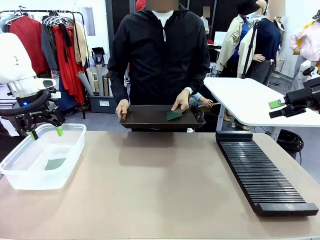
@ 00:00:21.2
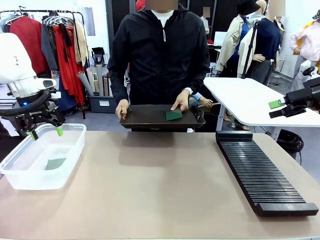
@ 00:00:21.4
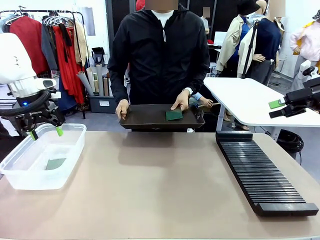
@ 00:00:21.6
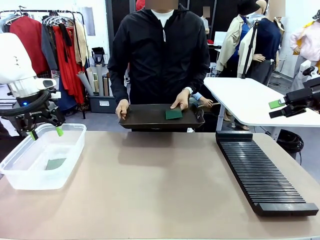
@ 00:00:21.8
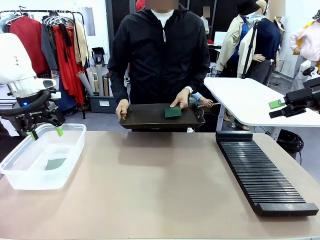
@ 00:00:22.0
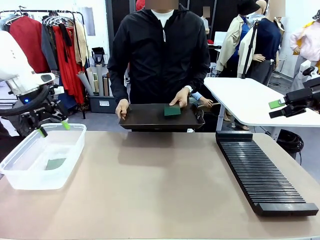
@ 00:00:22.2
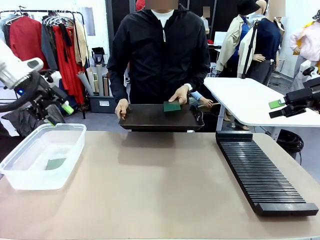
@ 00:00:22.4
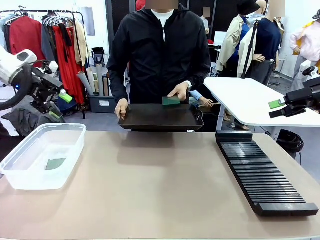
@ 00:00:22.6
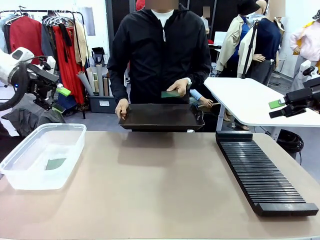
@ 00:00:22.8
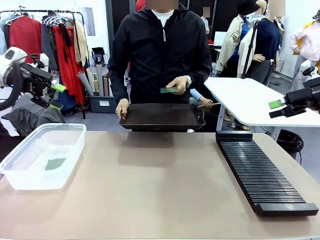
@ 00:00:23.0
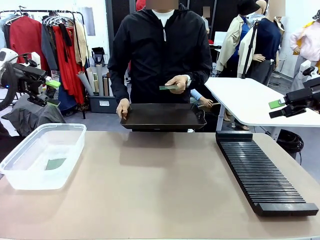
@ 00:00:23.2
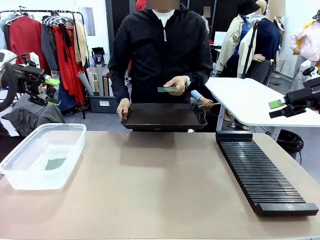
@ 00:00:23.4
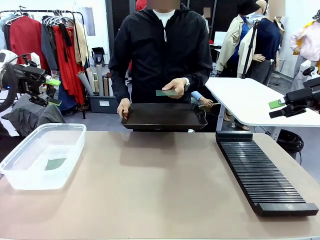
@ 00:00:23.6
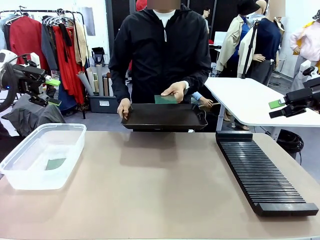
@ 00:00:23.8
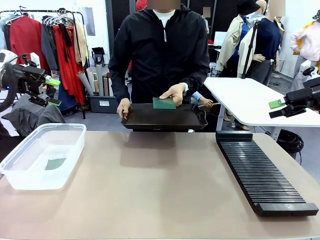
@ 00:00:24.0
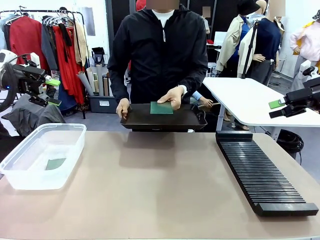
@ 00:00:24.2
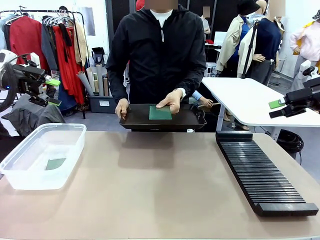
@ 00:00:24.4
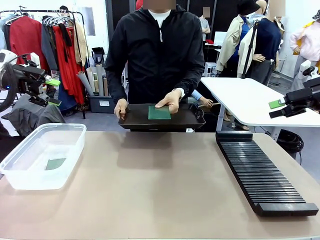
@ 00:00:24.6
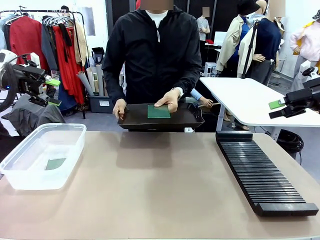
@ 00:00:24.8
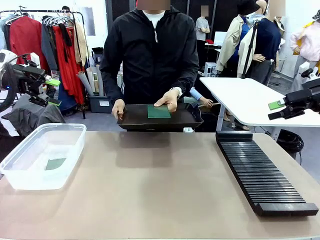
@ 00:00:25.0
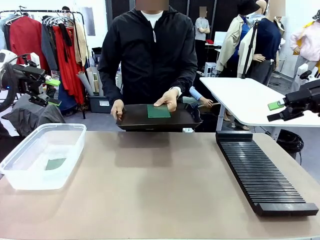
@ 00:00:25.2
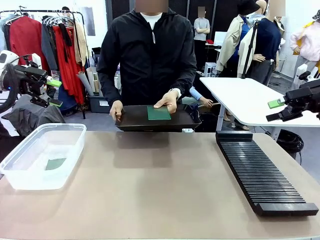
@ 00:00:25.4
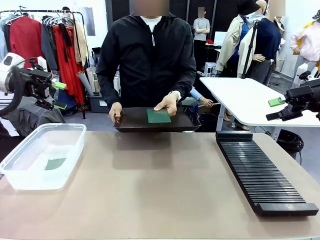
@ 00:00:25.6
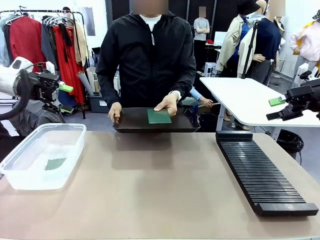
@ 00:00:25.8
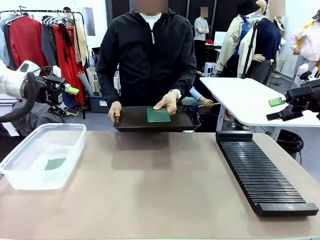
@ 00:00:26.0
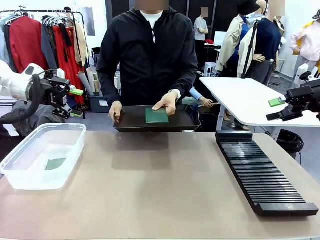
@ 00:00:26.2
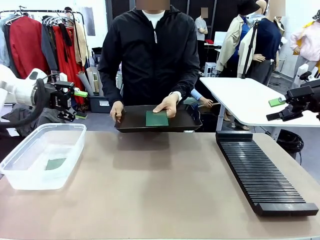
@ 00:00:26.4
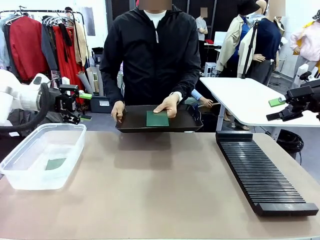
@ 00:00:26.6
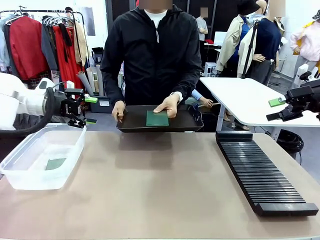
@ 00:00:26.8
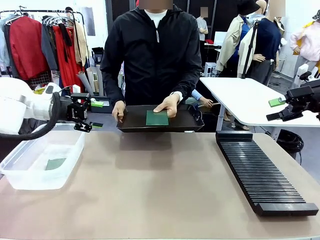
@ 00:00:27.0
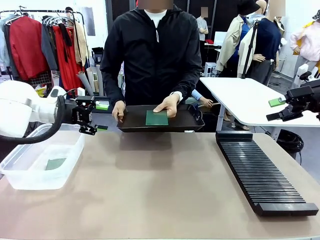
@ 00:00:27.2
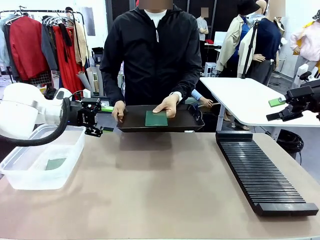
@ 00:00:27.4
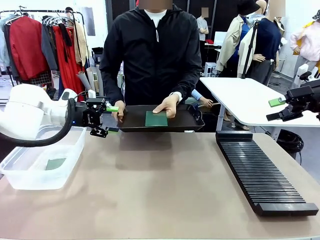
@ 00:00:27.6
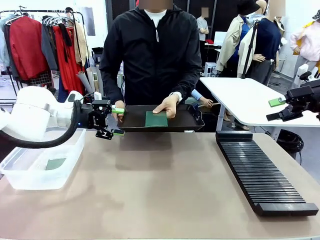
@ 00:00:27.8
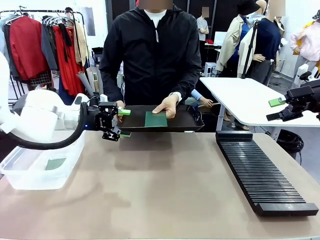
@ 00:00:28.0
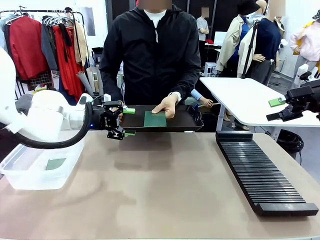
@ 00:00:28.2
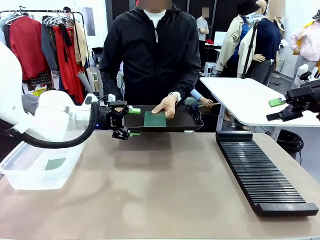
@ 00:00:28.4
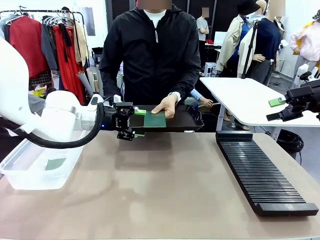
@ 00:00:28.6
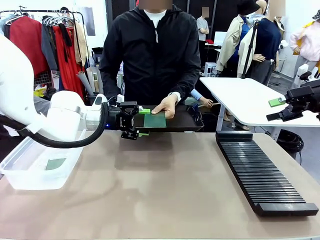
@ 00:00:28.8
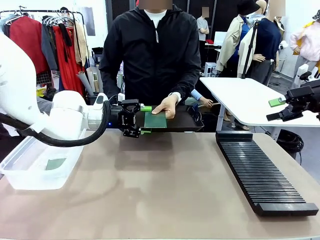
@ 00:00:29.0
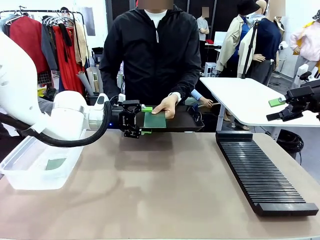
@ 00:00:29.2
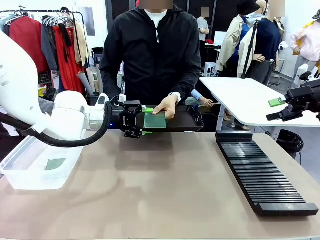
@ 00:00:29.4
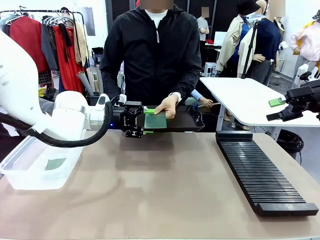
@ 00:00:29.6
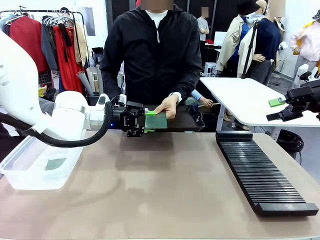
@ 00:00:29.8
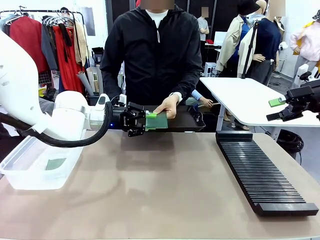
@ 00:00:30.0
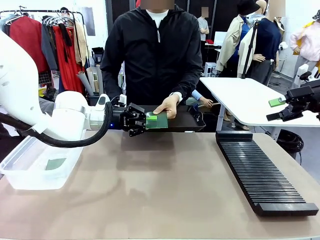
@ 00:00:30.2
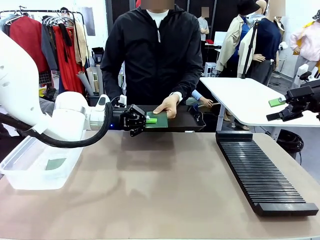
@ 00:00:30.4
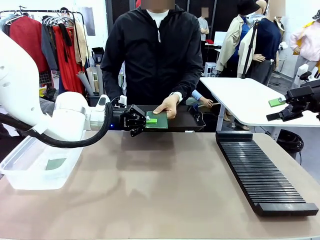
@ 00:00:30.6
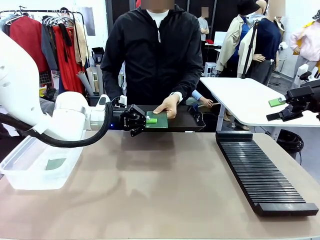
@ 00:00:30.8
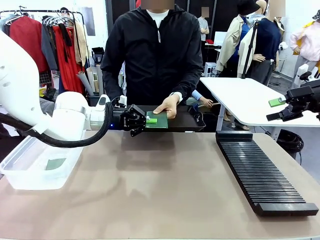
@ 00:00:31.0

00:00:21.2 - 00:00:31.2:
Task: Sort PCBs into racks and boxes based on the side picked up.
Robot: Pick up the Blank PCB handed by the Human.

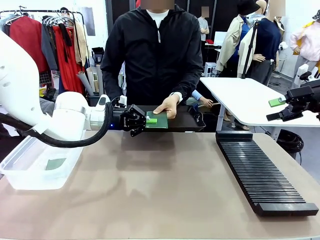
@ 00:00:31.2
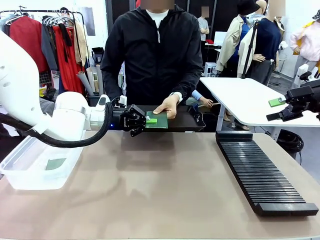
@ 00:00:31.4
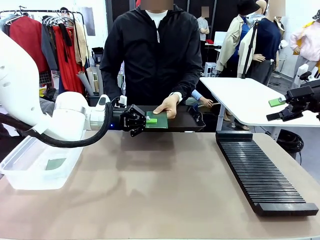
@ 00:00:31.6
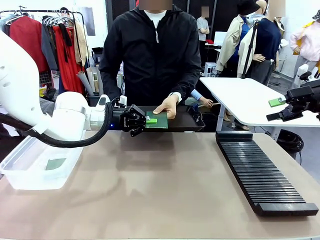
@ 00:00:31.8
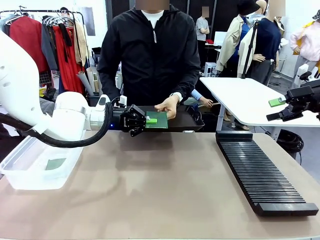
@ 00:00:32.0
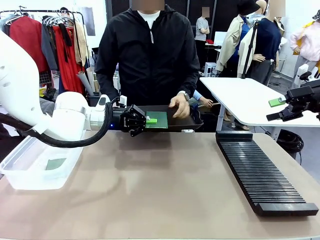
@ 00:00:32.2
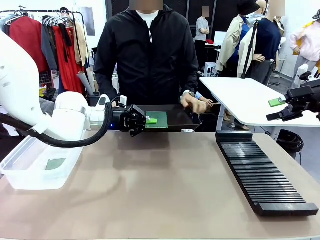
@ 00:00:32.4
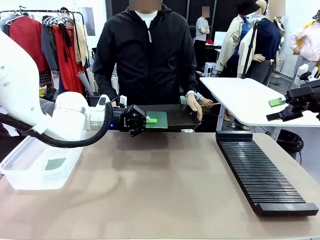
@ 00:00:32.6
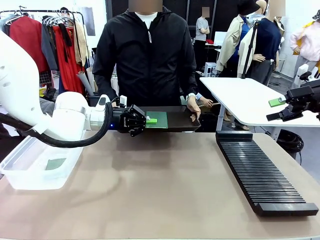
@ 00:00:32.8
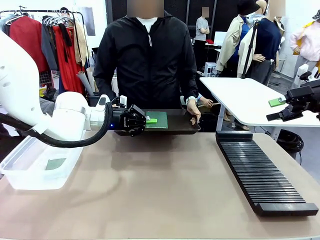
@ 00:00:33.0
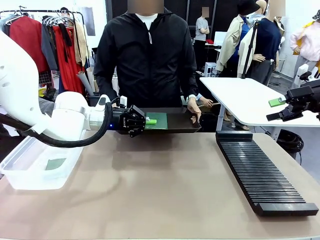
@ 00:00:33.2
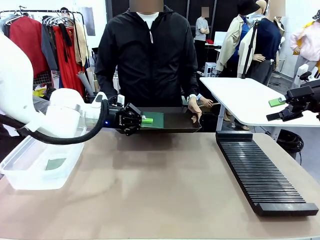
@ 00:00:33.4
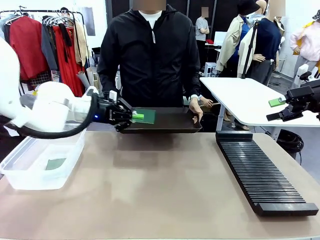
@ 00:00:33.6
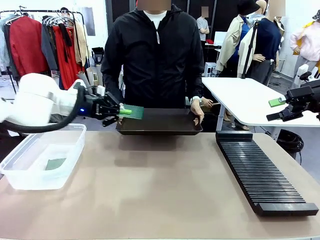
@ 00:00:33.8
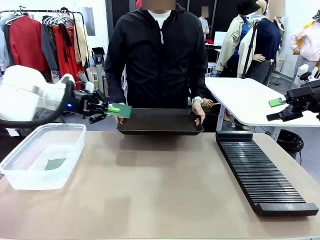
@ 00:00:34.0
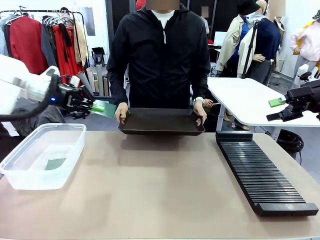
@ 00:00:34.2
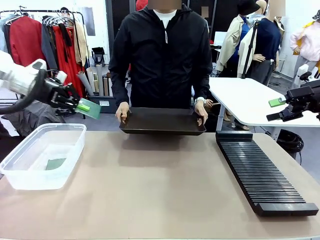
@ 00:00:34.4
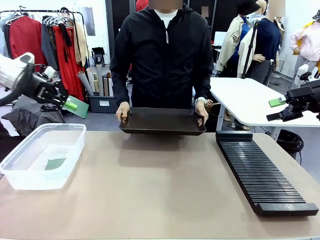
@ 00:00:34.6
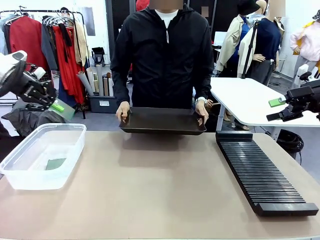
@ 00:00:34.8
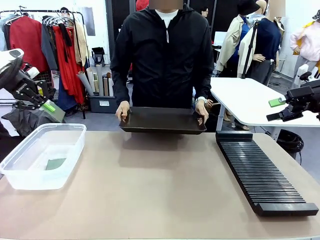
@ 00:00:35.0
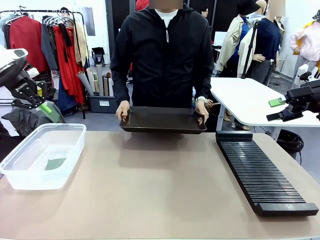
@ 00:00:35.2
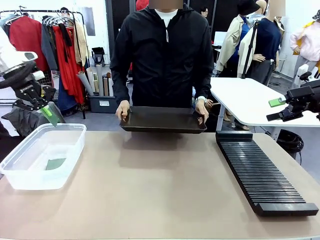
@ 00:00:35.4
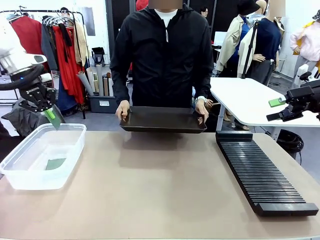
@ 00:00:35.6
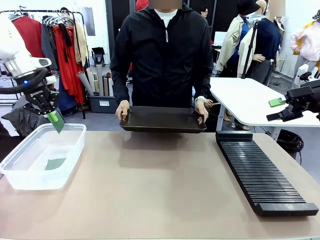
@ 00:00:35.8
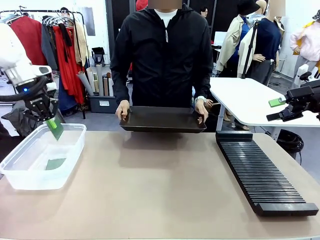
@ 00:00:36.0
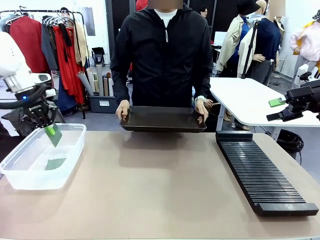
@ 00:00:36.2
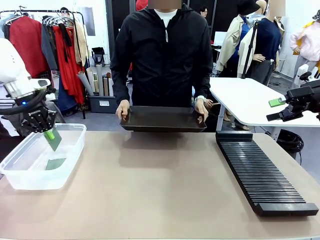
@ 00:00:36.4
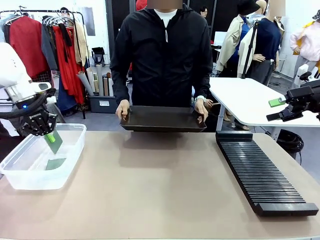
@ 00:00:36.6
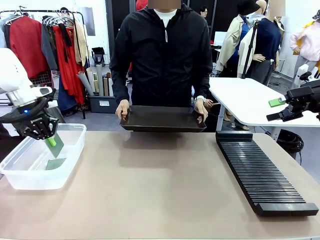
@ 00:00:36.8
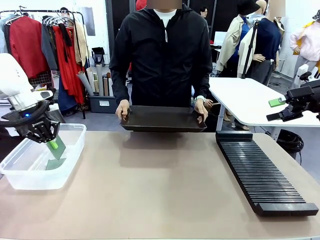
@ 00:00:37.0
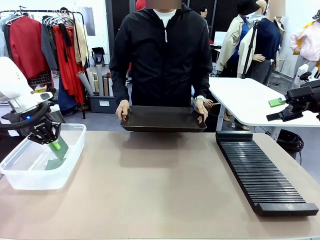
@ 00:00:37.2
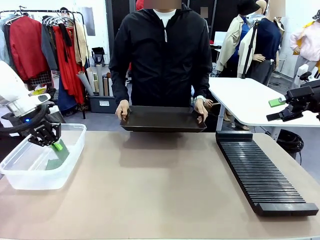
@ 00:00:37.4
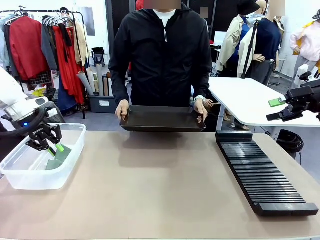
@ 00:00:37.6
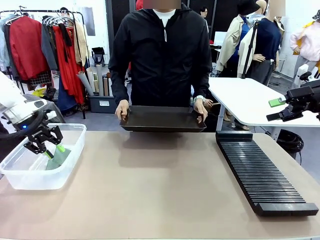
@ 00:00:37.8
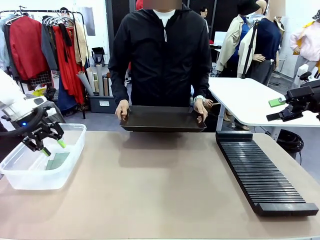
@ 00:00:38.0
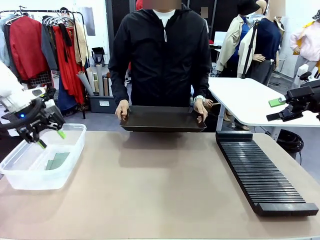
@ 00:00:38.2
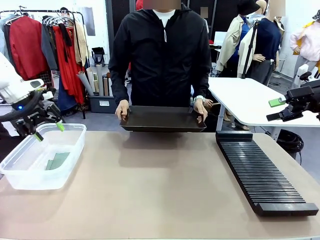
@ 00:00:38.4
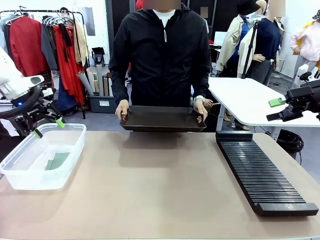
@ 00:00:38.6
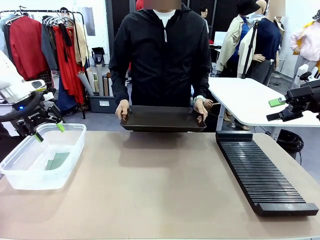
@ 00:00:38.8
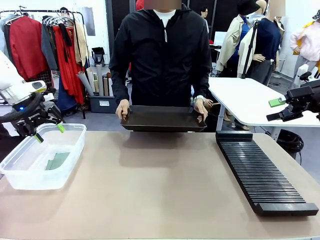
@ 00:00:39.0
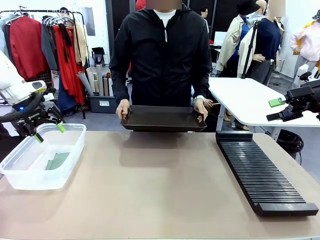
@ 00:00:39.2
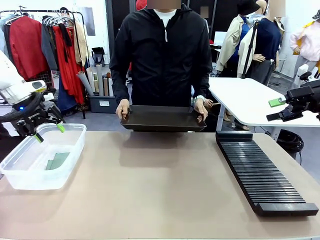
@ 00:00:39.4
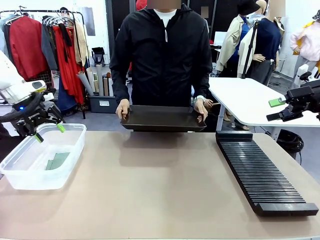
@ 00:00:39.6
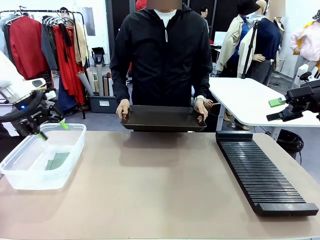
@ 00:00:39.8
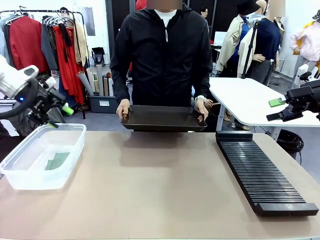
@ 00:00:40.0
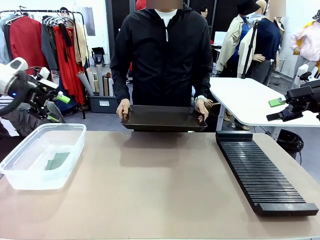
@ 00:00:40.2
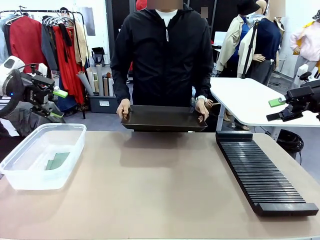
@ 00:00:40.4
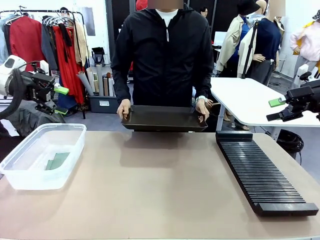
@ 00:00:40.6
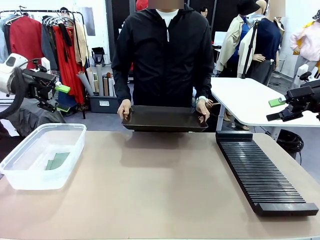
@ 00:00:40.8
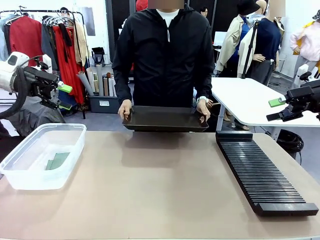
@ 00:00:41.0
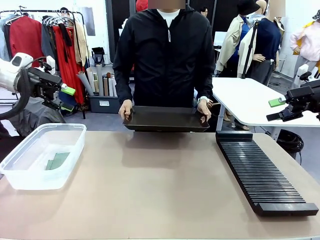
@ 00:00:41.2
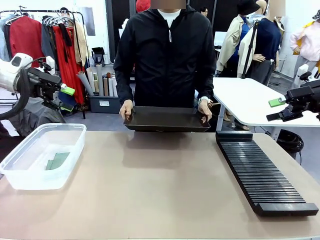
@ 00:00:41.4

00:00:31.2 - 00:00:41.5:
Robot: If the short side of the Blank PCB is picked up, insert it into the PCB Rack ; if the long side is picked up, place it in the Organizing box.
Person: Release the PCB being held.
